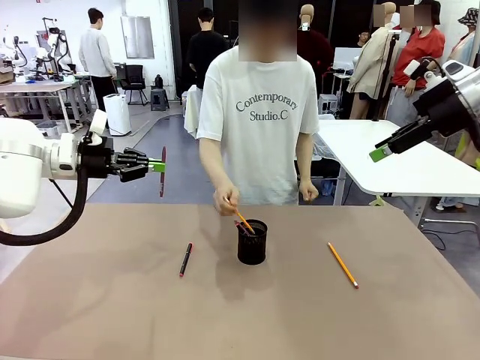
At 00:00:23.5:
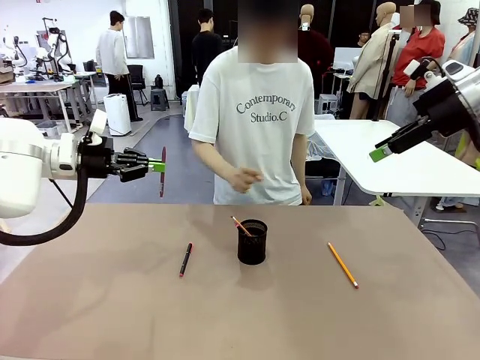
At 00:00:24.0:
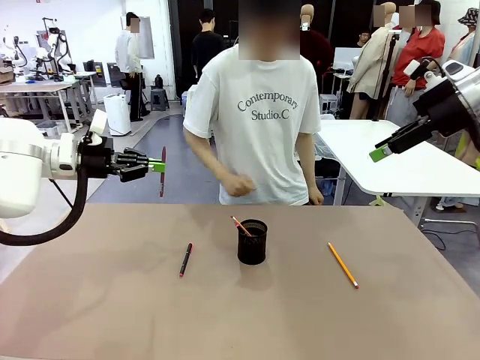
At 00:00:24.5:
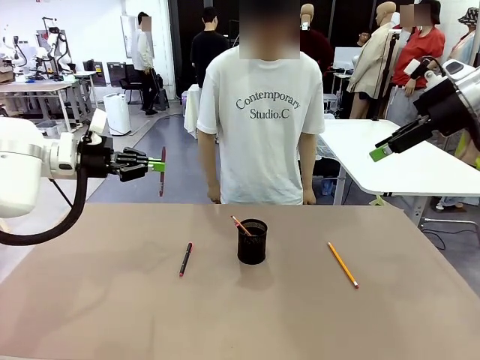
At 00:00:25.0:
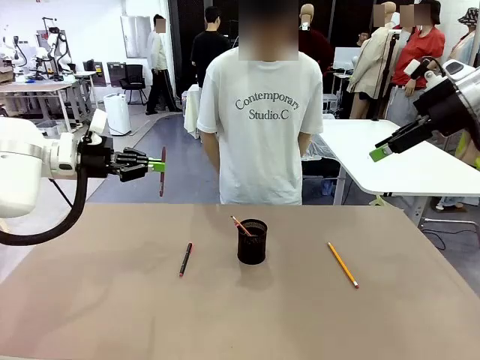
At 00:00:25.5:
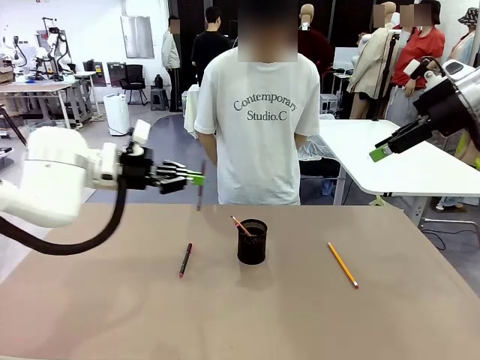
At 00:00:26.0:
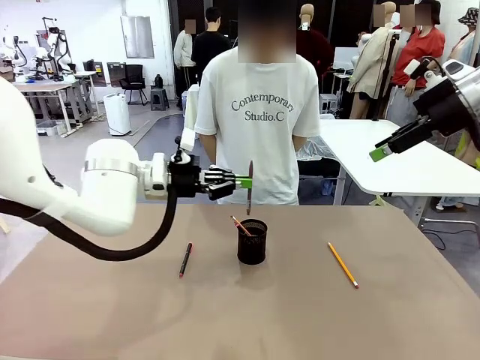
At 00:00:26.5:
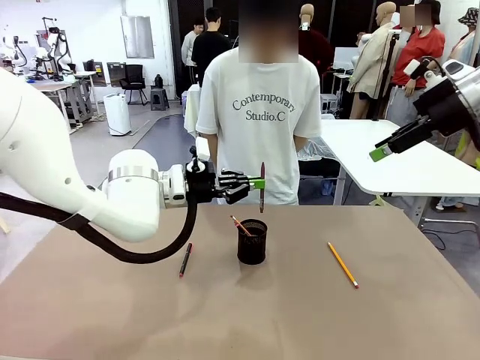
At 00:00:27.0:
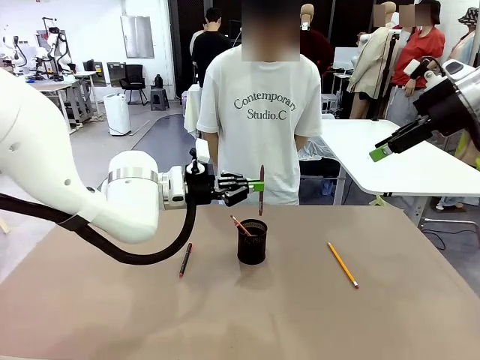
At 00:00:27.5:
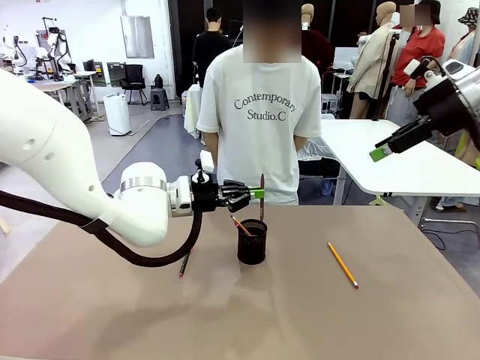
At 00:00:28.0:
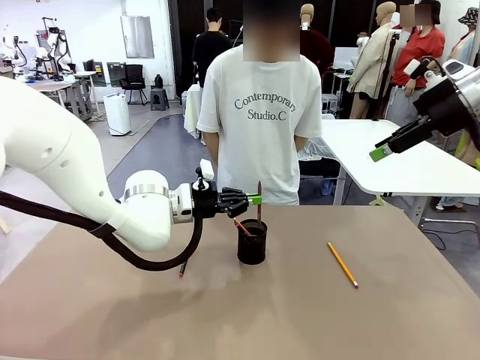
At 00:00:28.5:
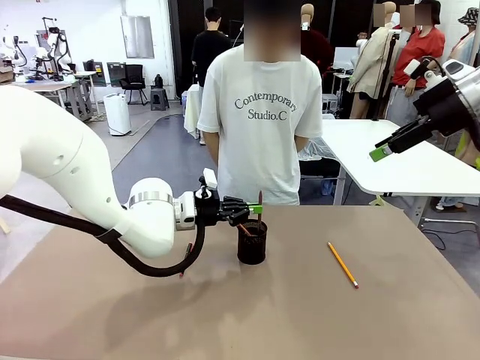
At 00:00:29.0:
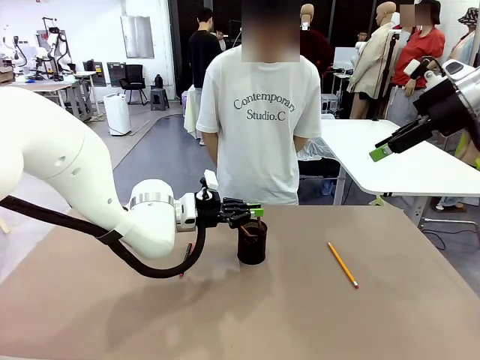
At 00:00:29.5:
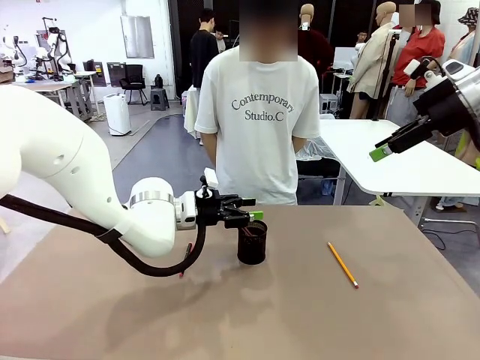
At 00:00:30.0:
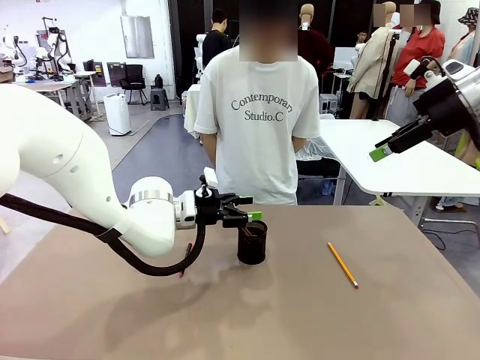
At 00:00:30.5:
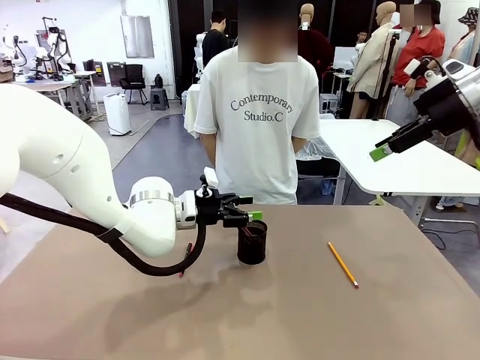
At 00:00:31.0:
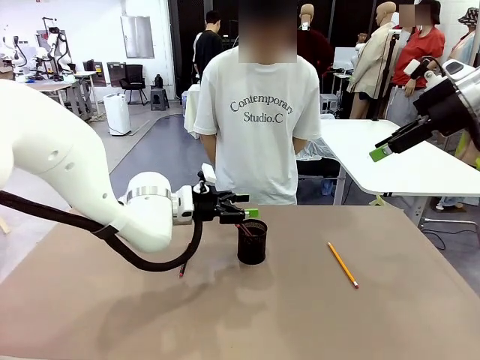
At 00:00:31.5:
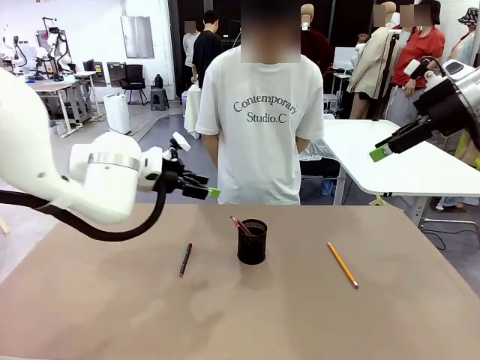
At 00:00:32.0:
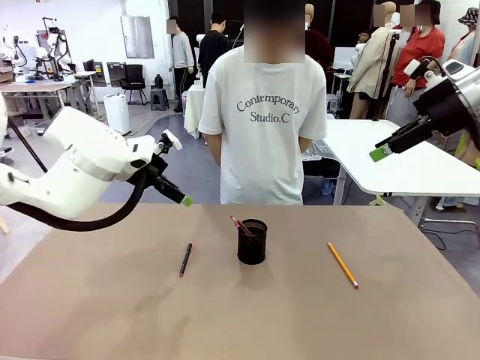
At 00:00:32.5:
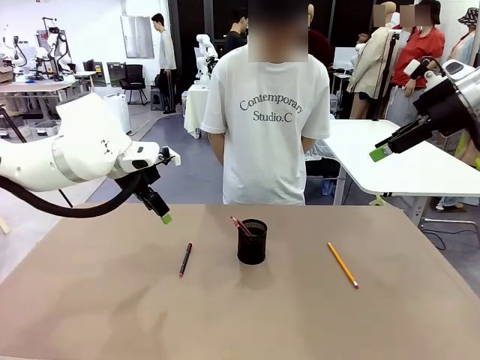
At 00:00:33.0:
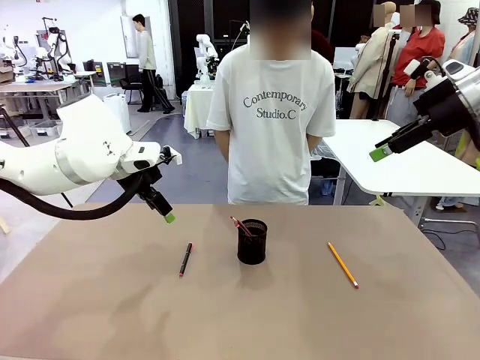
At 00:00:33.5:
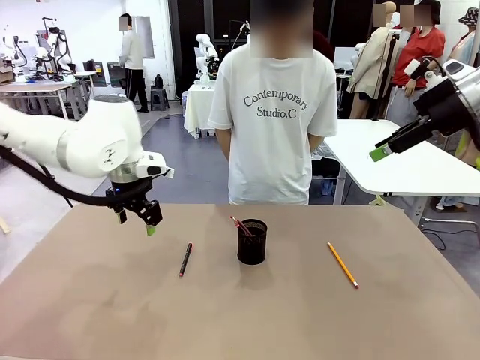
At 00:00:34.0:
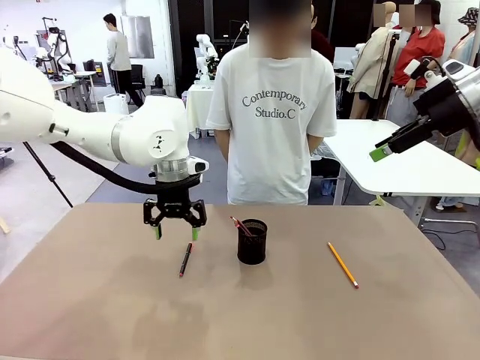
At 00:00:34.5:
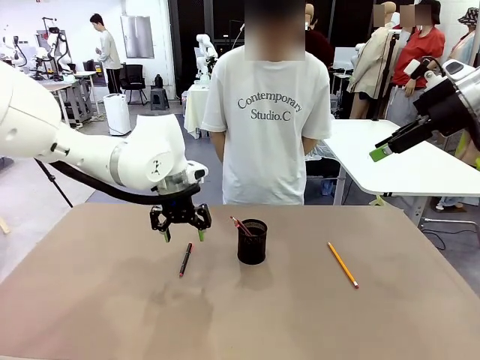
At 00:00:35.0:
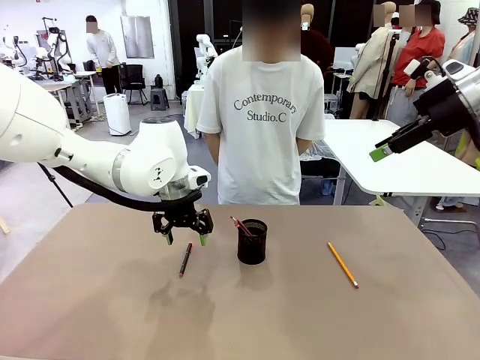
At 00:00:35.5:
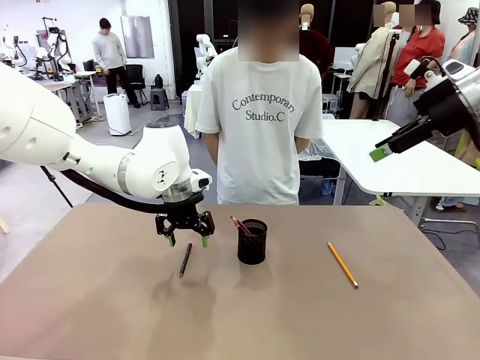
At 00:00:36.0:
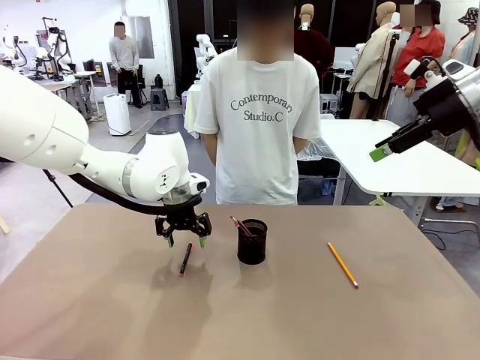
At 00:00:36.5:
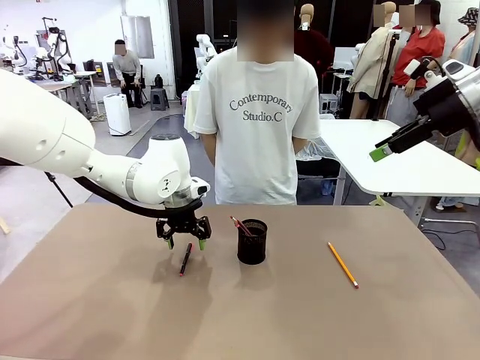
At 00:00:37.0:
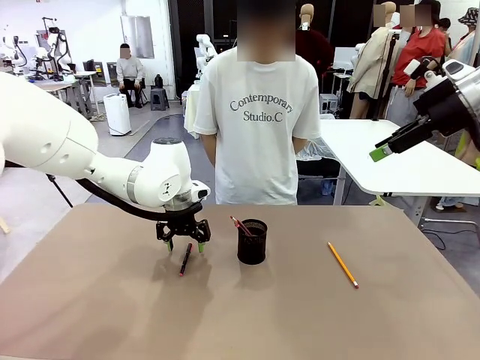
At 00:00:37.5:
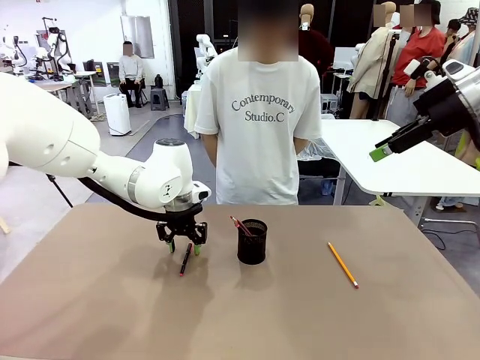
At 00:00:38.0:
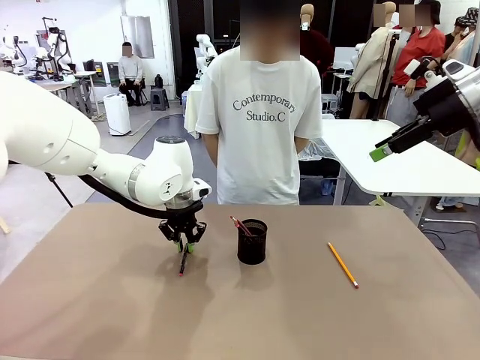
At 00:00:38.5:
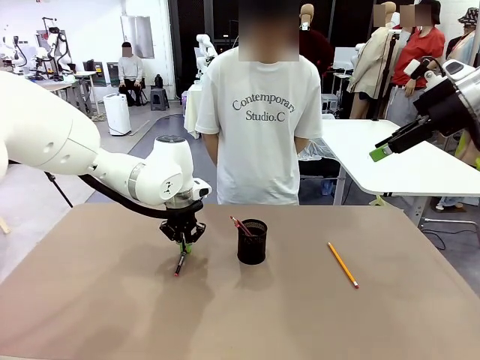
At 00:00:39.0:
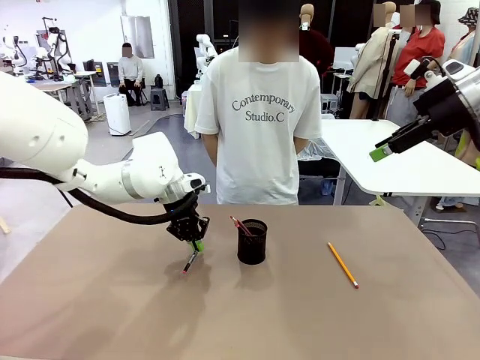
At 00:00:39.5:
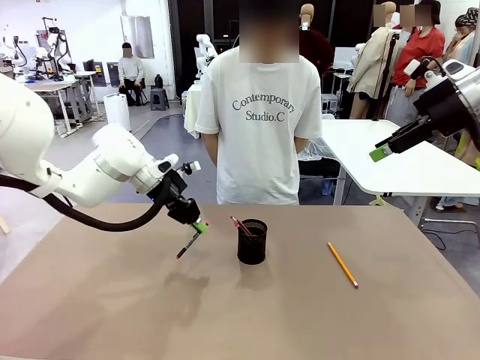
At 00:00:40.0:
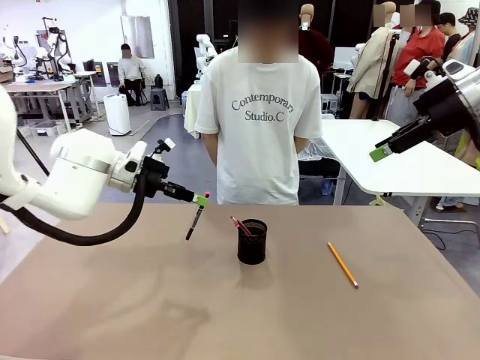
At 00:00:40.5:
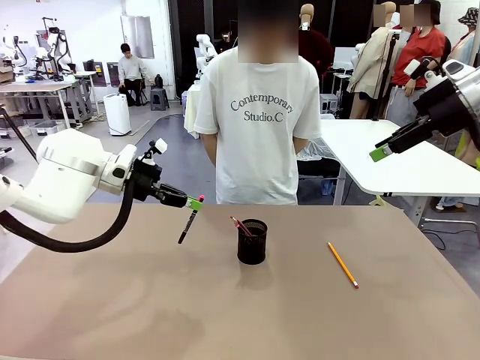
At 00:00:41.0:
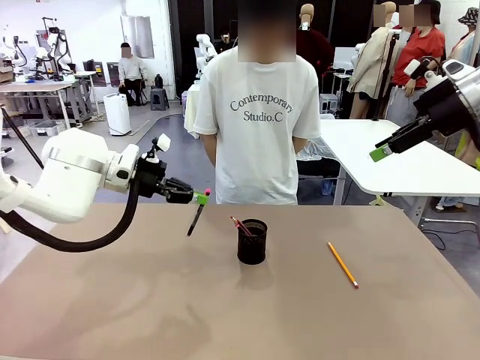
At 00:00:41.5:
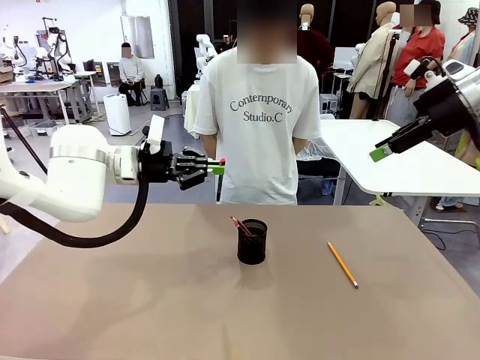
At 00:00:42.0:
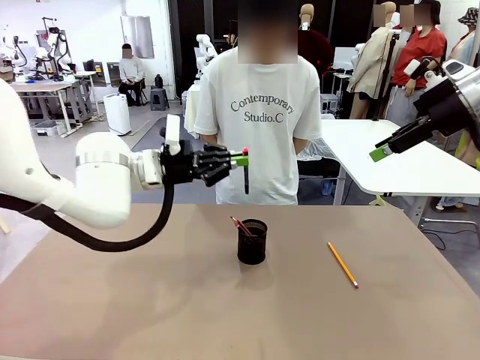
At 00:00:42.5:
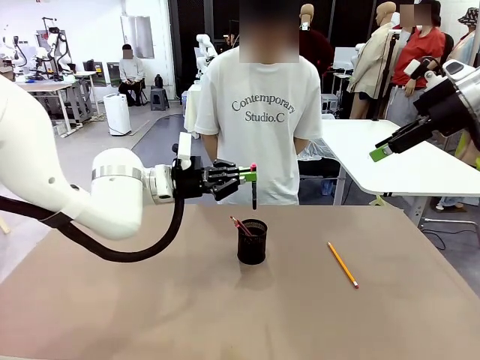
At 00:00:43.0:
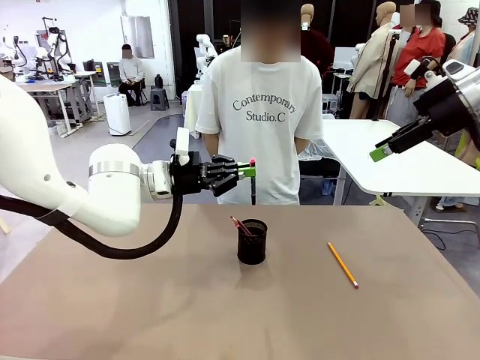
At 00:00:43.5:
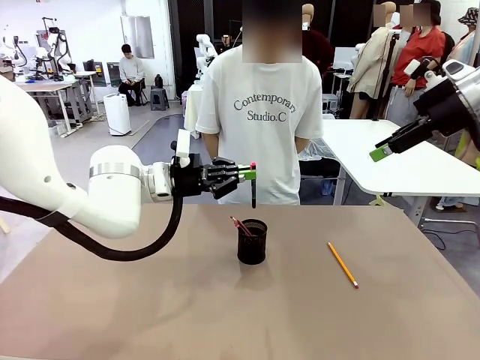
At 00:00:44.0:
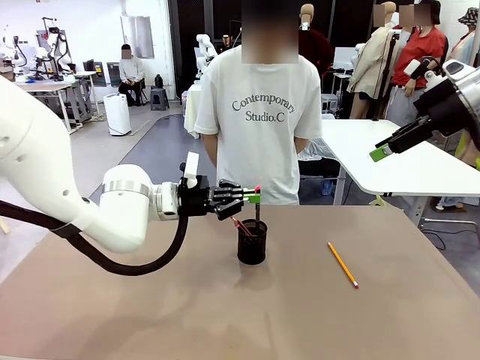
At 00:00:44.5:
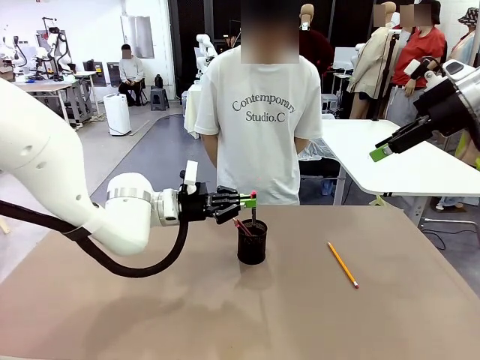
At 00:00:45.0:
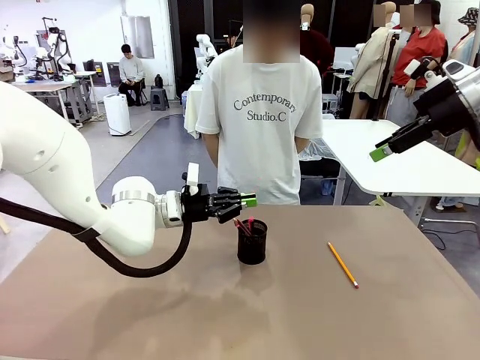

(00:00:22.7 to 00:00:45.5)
Task: Place the pens into the pen holder.
Robot: Pick up a writing instrument from the table and place it into the Pen holder.

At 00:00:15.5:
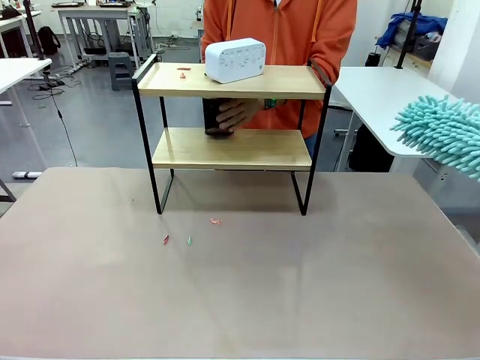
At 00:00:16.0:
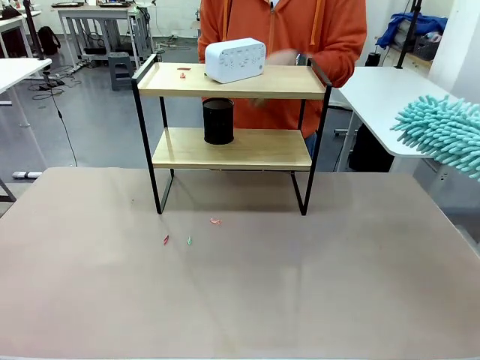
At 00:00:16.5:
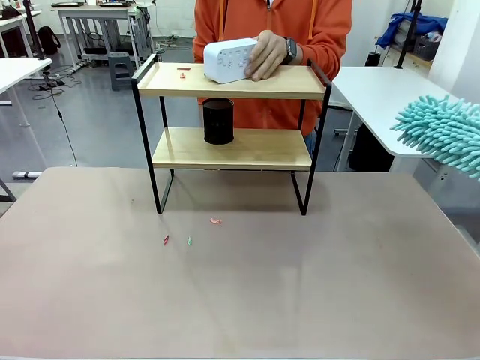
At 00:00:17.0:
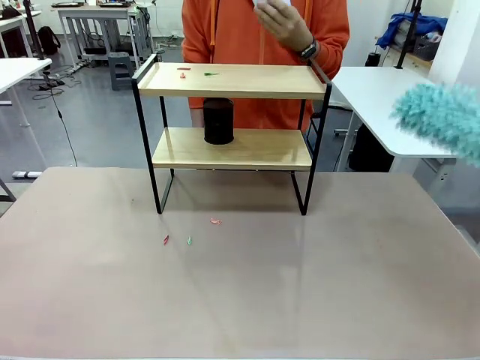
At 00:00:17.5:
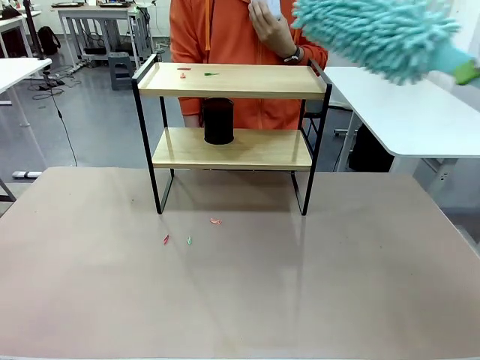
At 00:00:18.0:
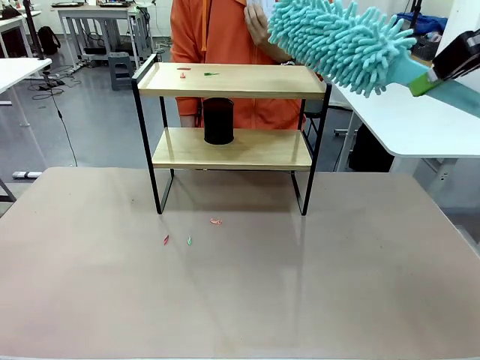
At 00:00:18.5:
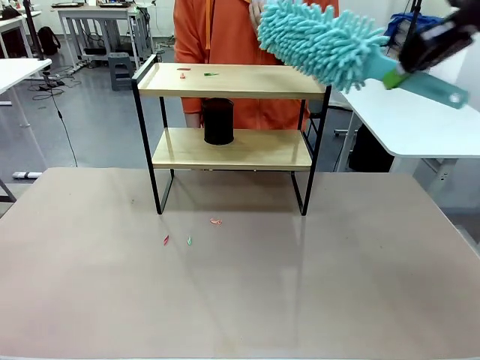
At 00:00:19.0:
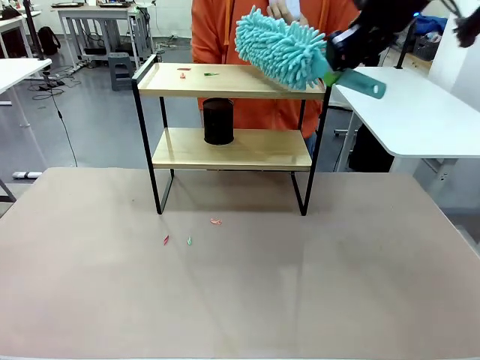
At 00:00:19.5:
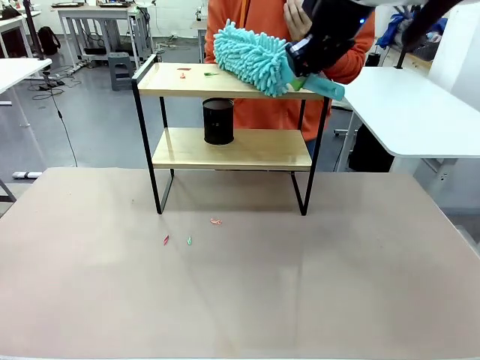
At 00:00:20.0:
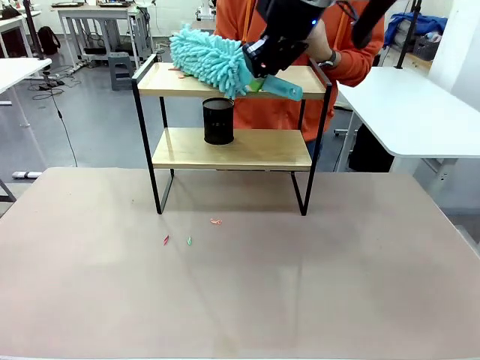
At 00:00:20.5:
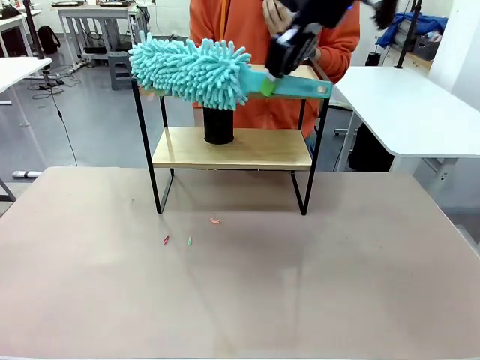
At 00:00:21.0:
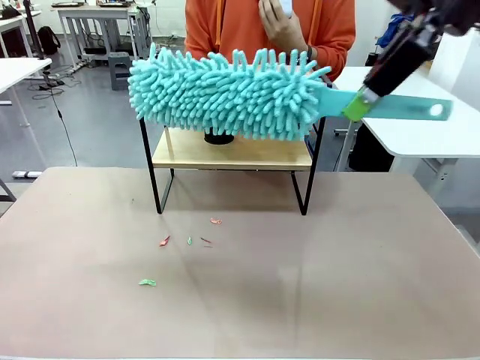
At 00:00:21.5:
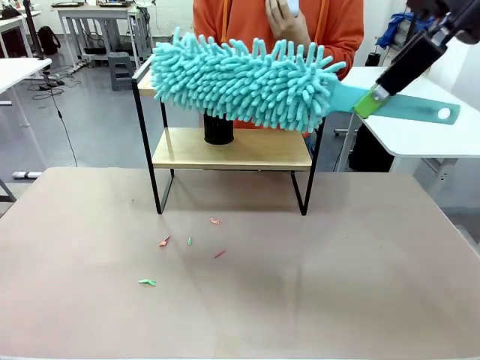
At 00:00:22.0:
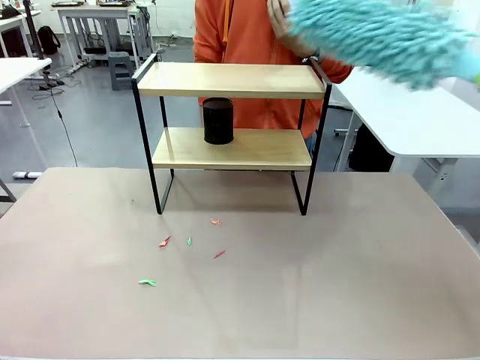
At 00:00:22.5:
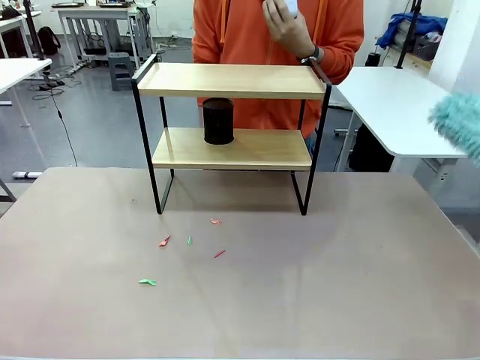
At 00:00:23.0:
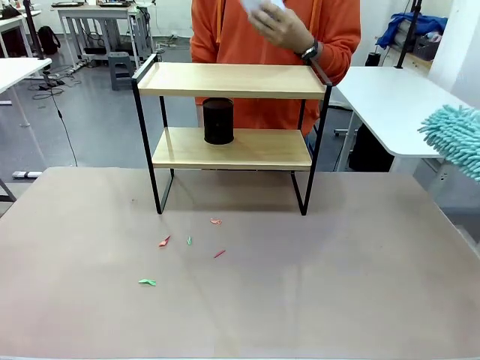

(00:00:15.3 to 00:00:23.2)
Task: Clean the shelf.
Robot: Clean the remaining tier of the Shelf with the Duster once objects are removed.
